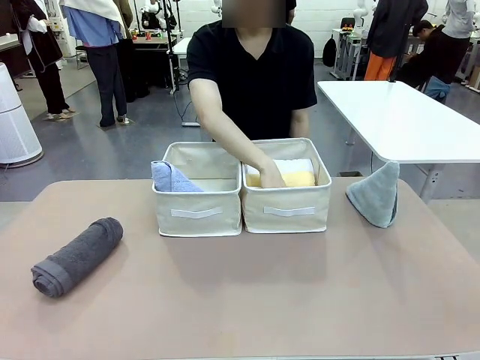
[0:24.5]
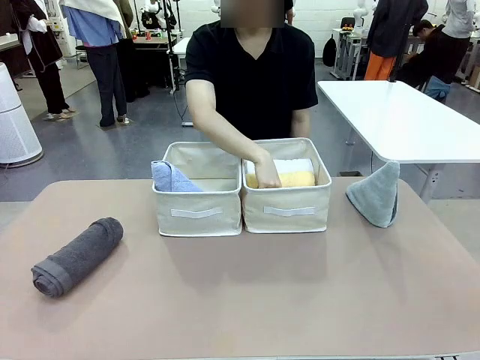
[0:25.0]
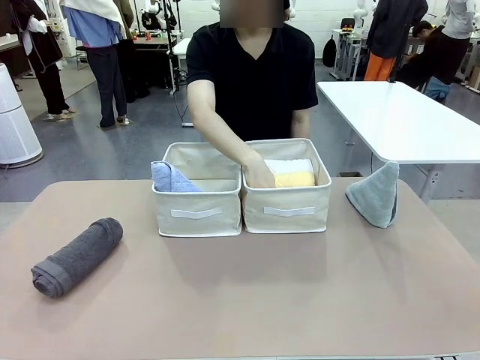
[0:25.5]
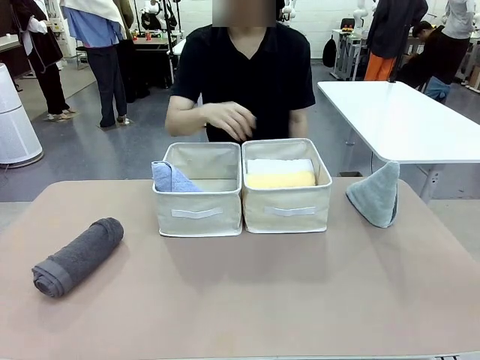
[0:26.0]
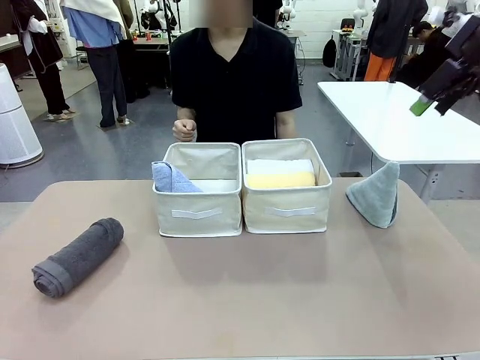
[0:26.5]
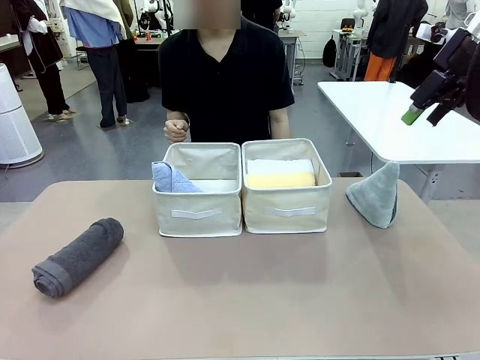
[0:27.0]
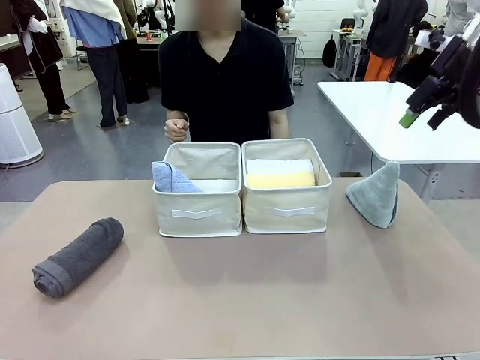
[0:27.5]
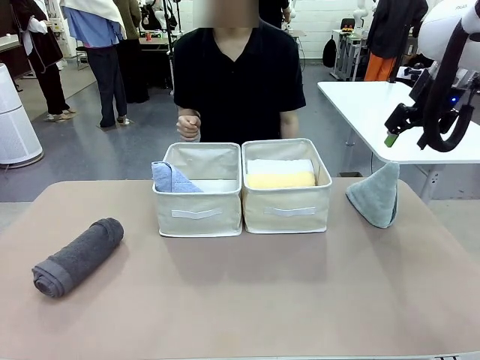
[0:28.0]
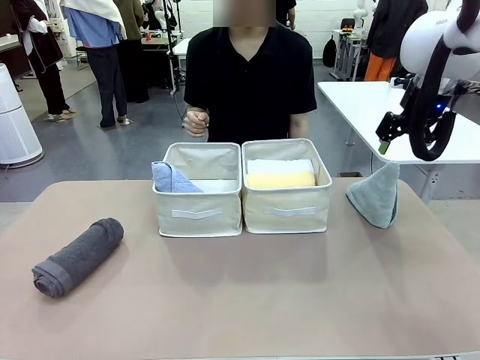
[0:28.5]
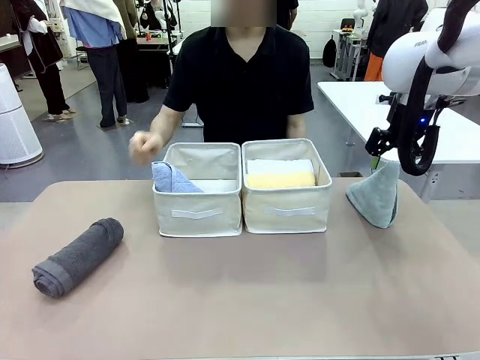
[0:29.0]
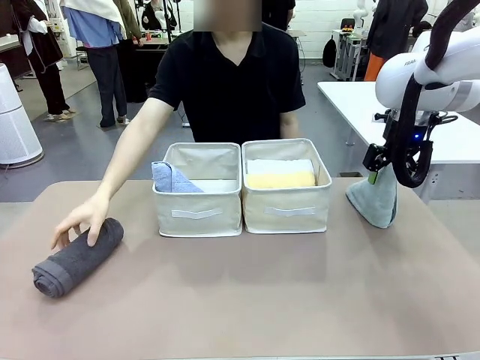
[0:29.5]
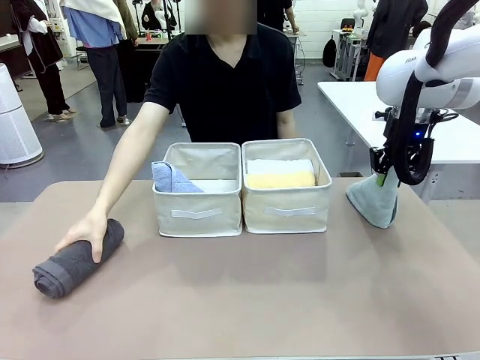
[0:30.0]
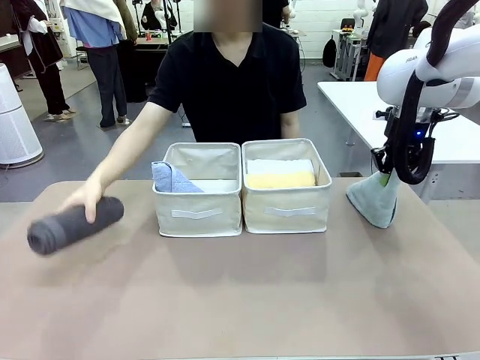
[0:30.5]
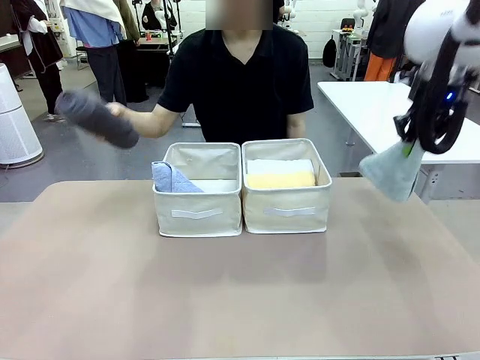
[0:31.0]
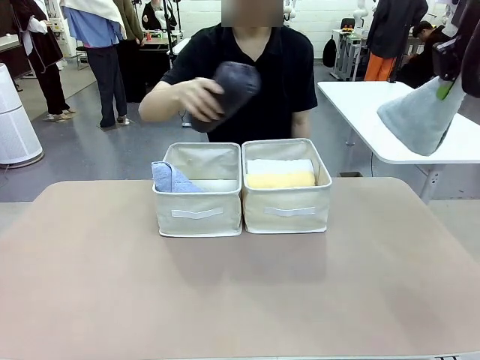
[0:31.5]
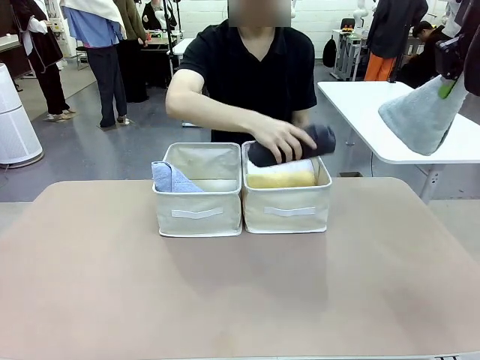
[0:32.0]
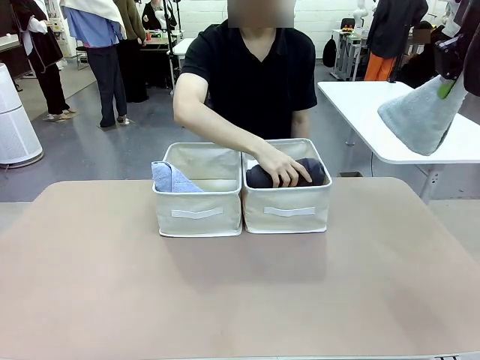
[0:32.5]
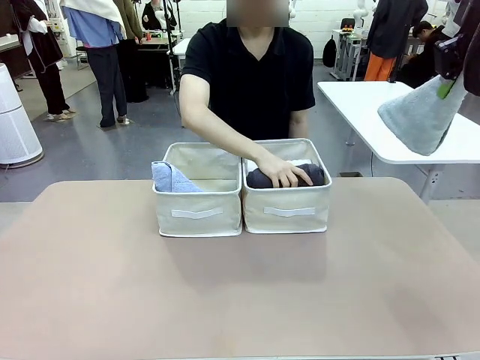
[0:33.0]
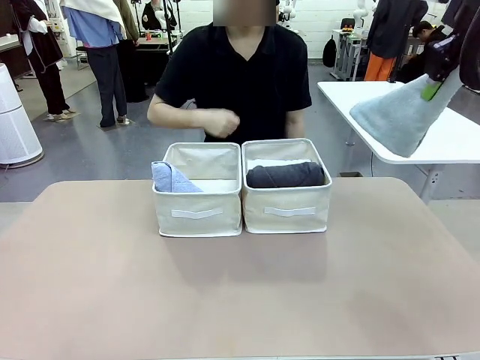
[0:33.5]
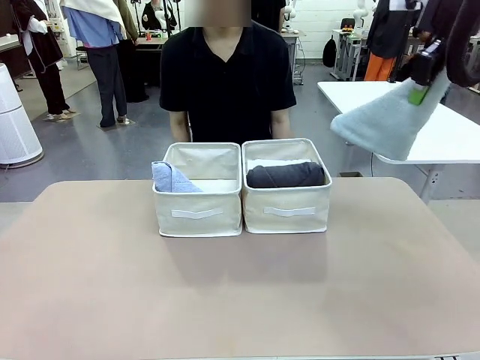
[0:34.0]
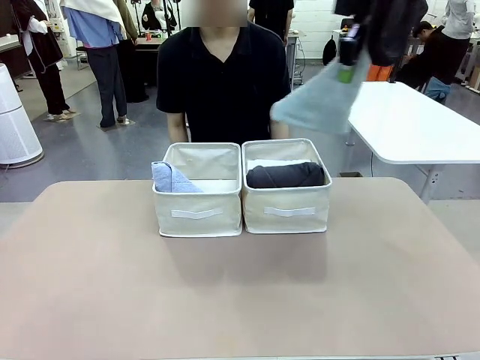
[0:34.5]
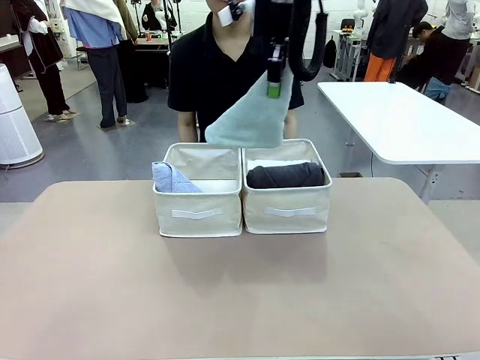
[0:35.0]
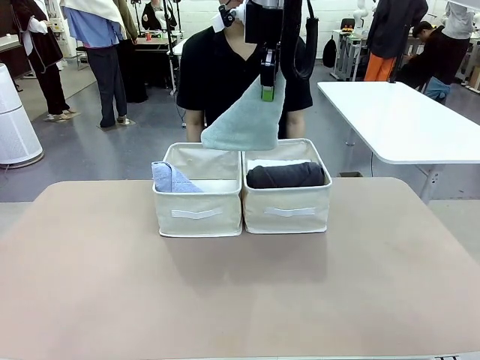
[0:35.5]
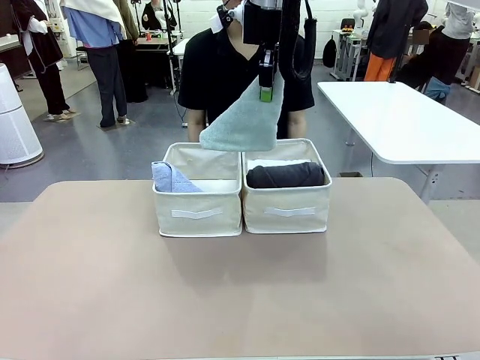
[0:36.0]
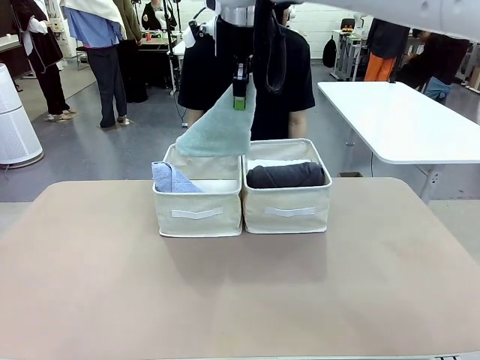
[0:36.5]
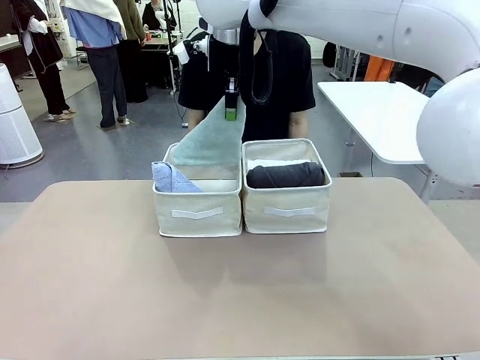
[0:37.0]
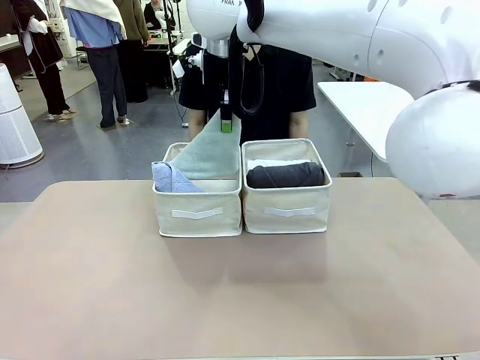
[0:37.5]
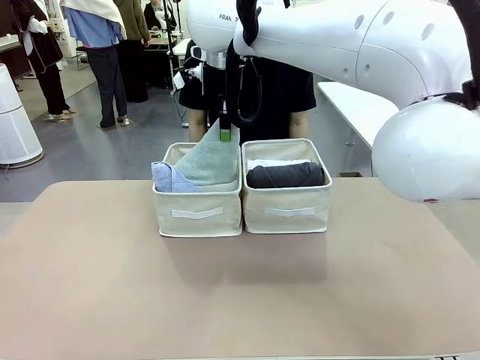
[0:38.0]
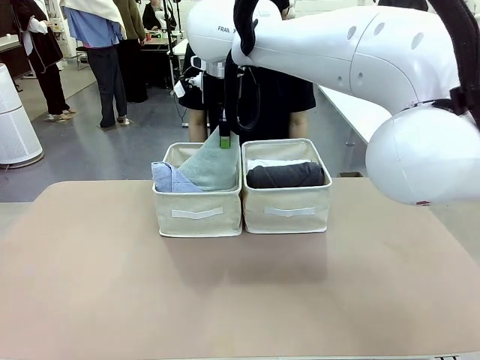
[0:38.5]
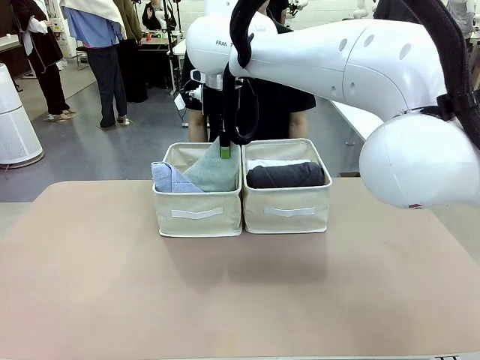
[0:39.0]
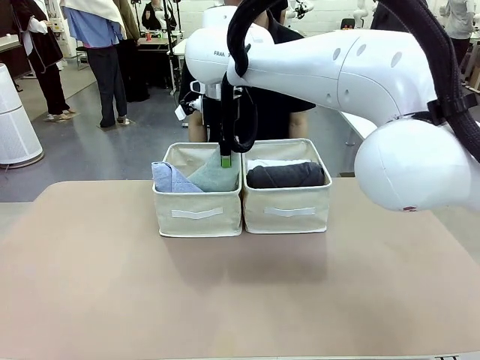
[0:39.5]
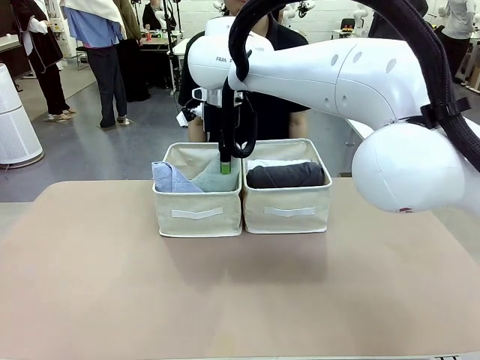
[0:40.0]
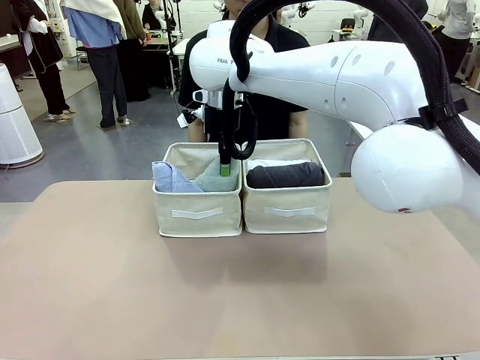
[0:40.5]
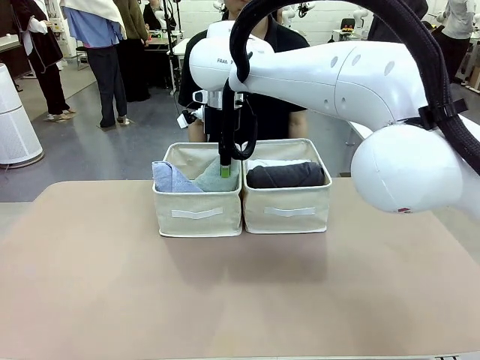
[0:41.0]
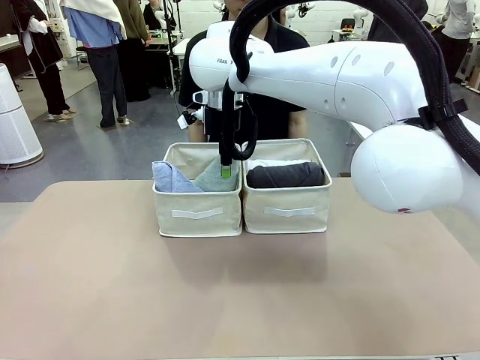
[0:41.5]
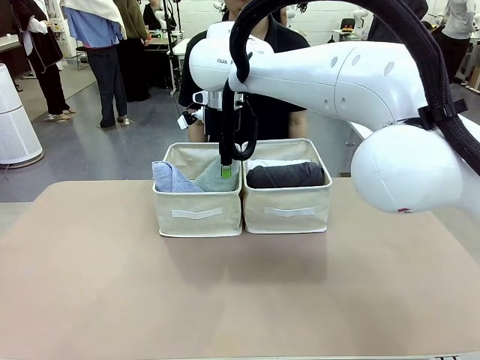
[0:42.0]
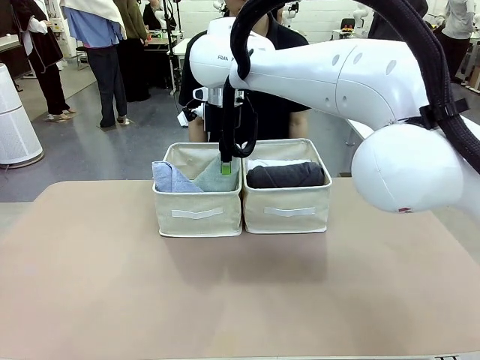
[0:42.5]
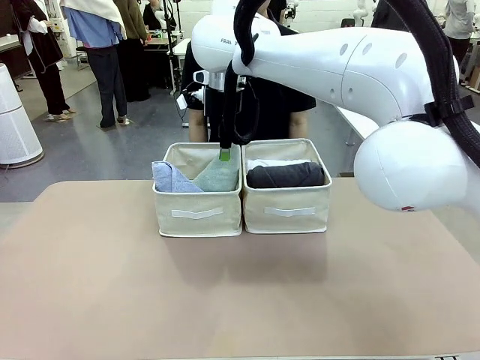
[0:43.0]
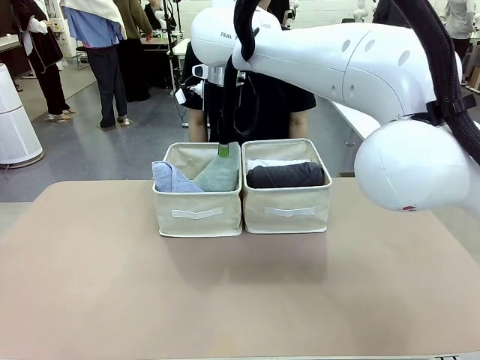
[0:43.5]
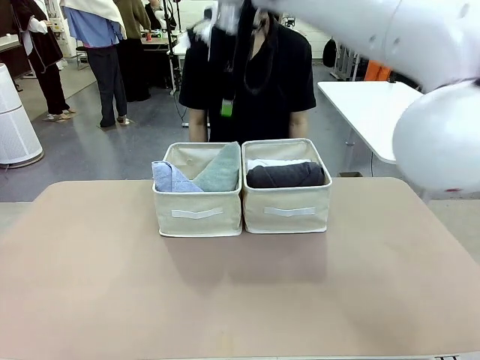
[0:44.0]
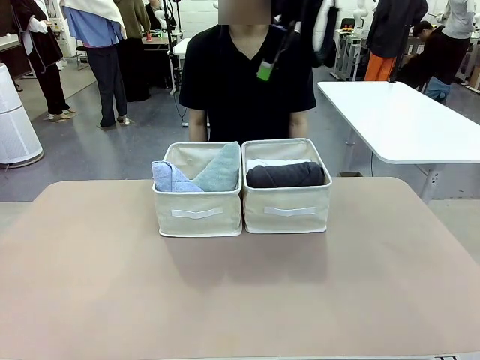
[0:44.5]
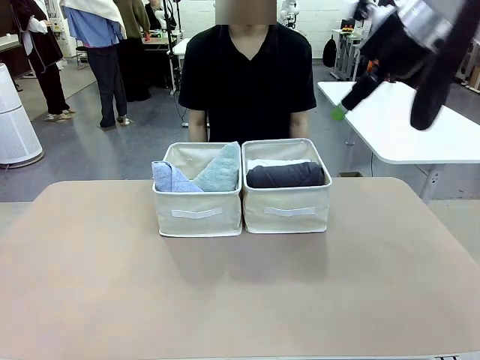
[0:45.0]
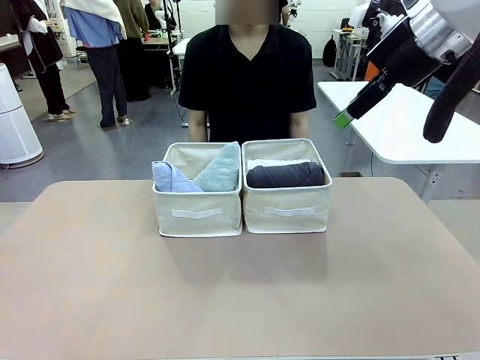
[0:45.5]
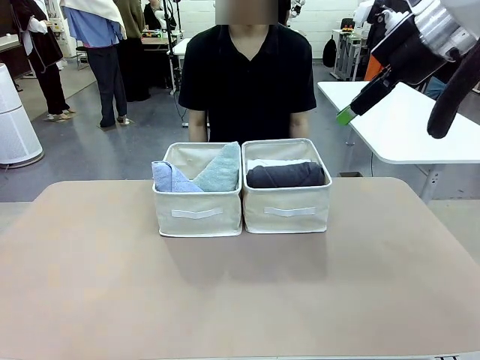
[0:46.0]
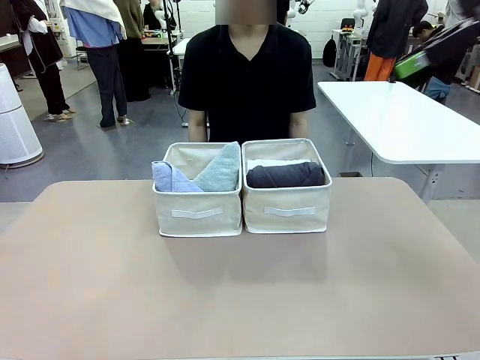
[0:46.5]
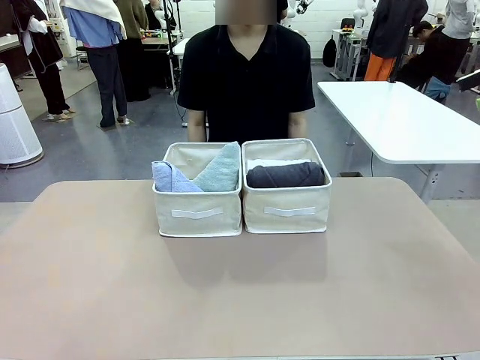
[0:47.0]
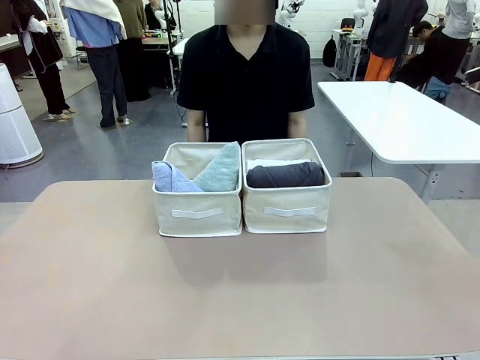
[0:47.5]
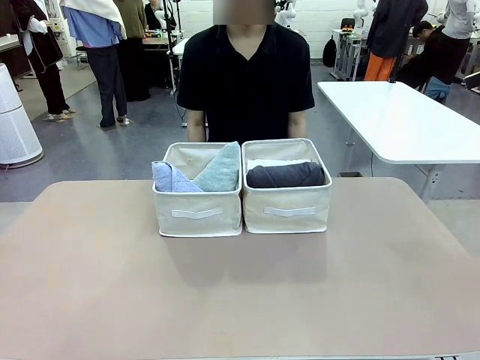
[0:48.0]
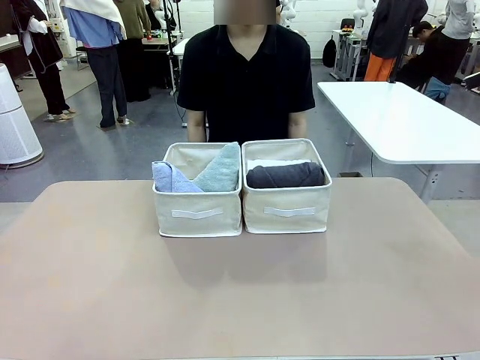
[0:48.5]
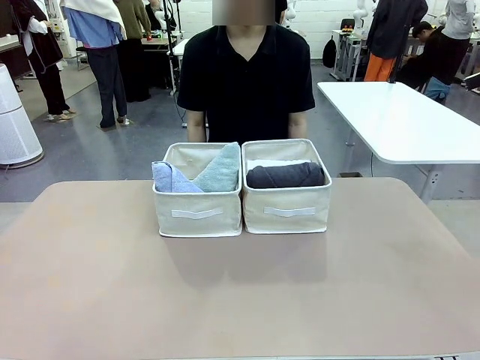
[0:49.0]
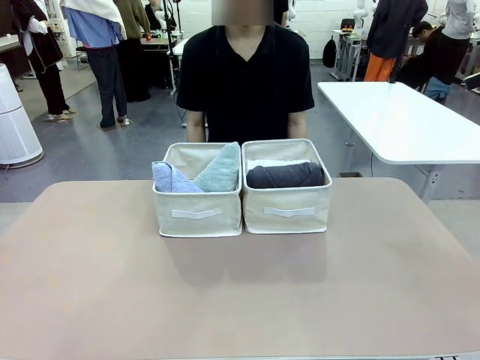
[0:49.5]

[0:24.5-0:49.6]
Task: Sort the towels based on their folding style.
Robot: Pick up another triangle-folded towel from the table and place it in the left Fabric basket.
Person: Pick up one hotel-style rolled towel from the table and place it in the left fabric basket.
